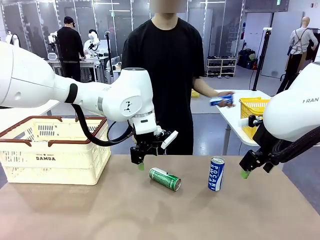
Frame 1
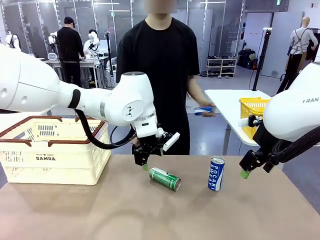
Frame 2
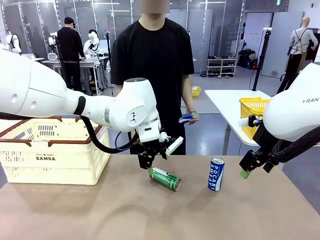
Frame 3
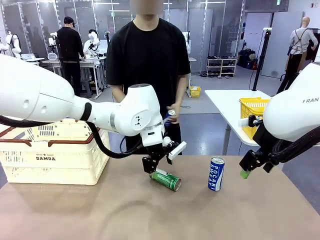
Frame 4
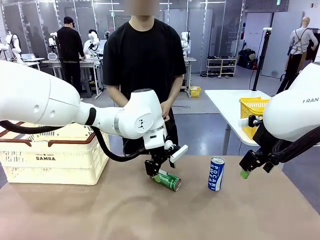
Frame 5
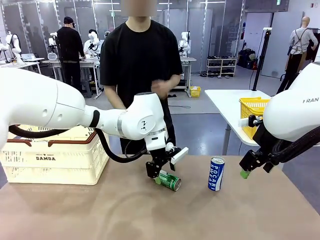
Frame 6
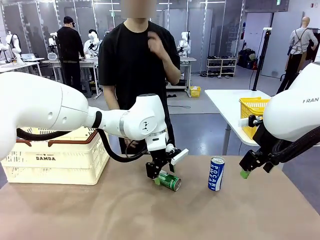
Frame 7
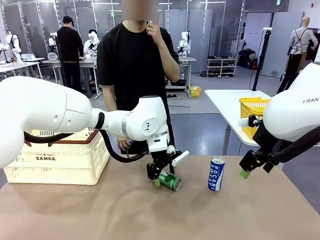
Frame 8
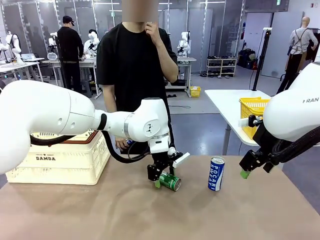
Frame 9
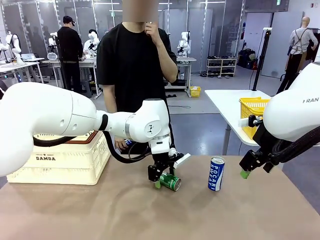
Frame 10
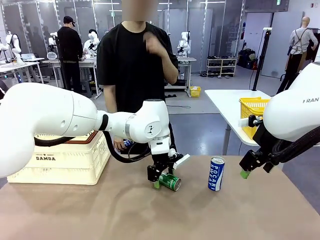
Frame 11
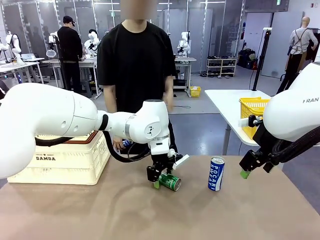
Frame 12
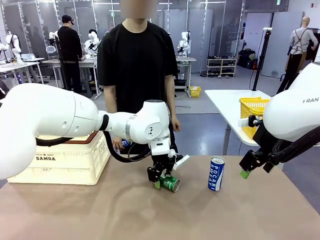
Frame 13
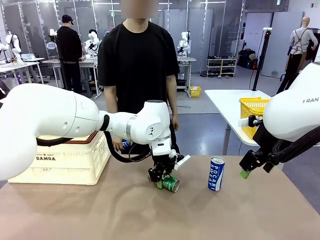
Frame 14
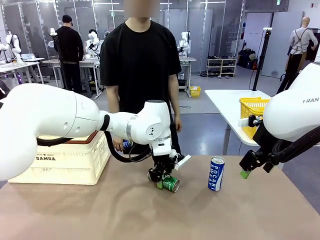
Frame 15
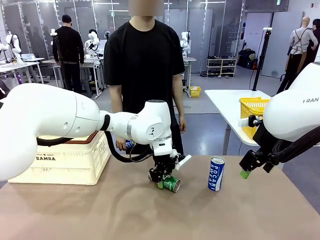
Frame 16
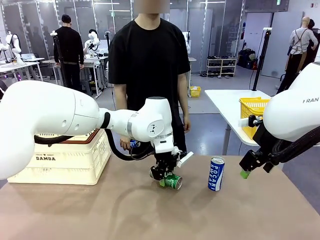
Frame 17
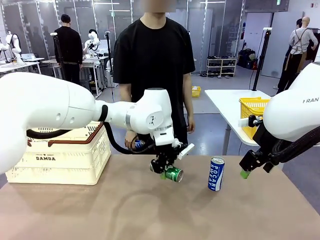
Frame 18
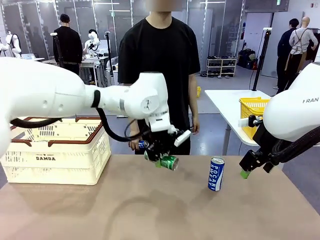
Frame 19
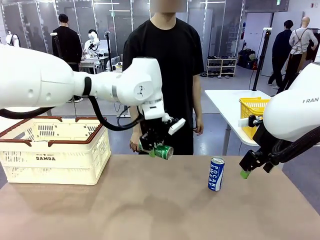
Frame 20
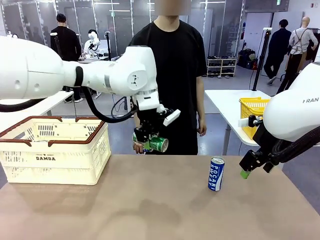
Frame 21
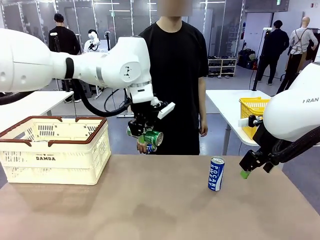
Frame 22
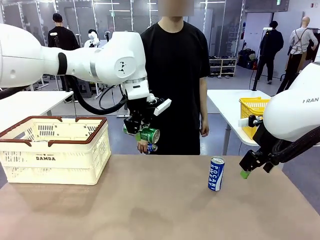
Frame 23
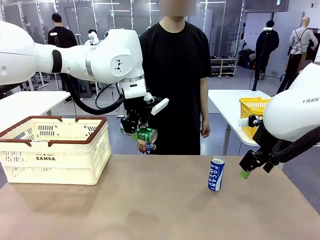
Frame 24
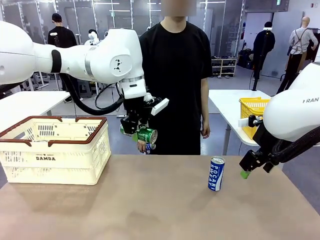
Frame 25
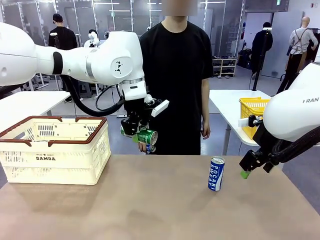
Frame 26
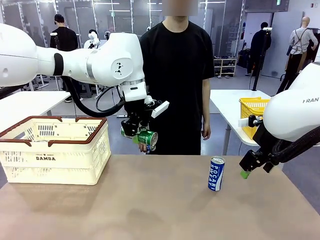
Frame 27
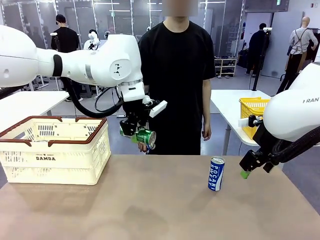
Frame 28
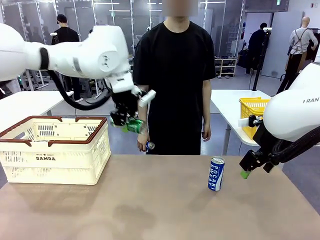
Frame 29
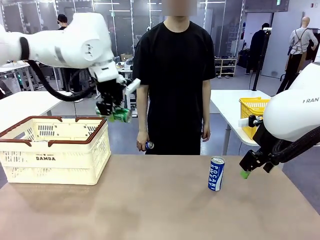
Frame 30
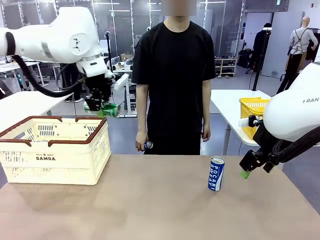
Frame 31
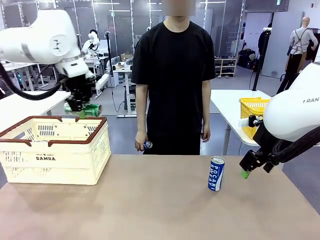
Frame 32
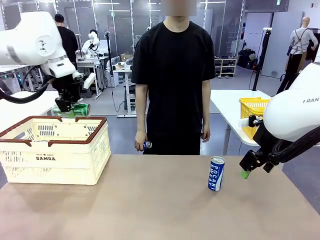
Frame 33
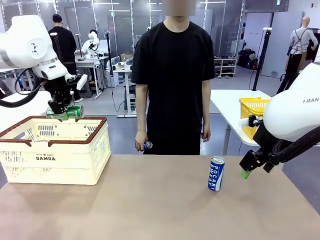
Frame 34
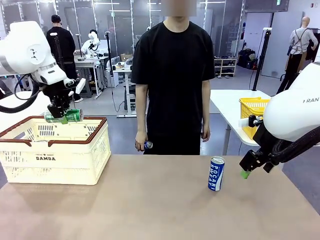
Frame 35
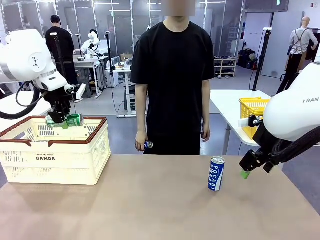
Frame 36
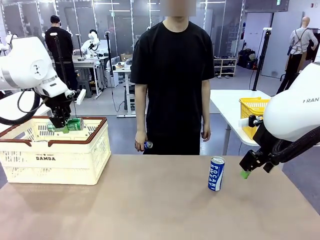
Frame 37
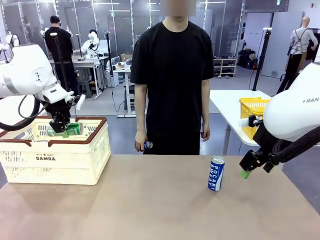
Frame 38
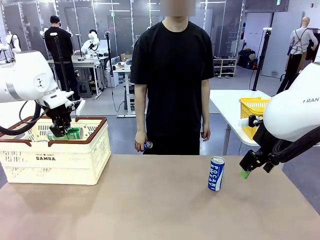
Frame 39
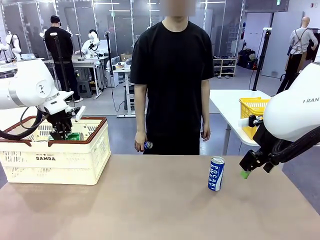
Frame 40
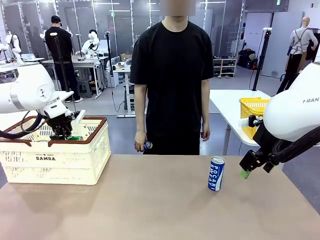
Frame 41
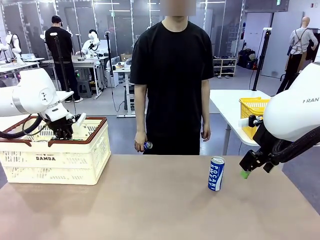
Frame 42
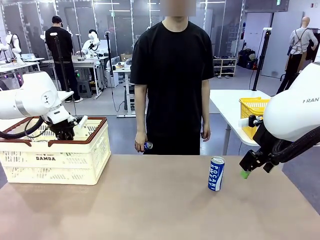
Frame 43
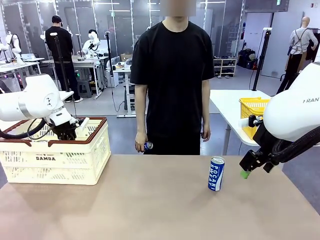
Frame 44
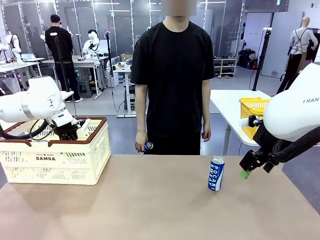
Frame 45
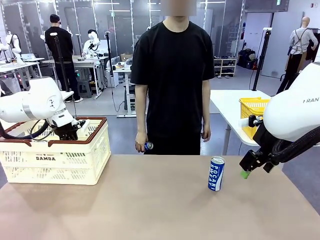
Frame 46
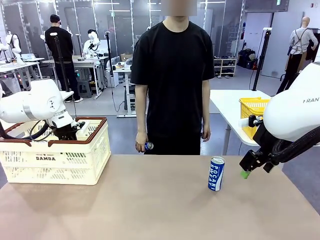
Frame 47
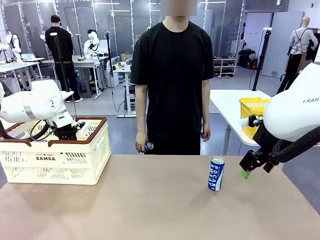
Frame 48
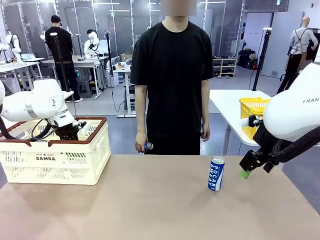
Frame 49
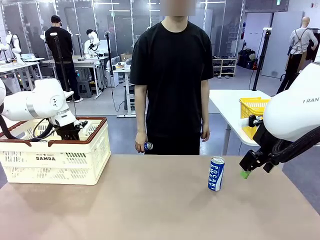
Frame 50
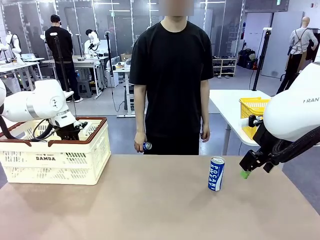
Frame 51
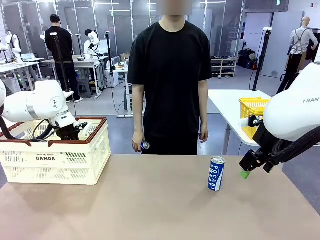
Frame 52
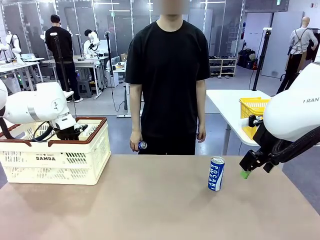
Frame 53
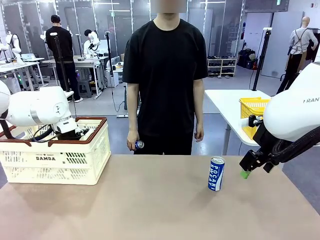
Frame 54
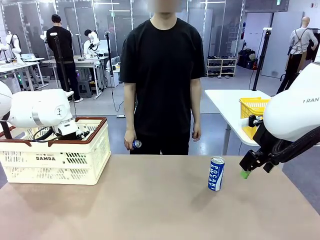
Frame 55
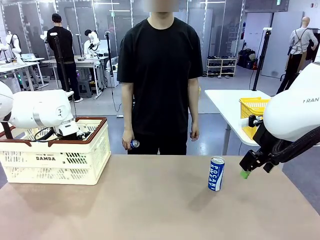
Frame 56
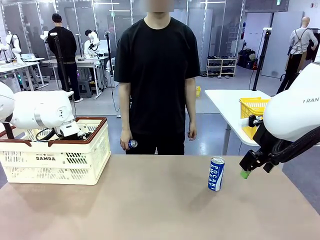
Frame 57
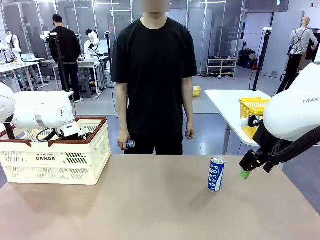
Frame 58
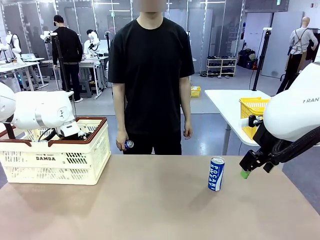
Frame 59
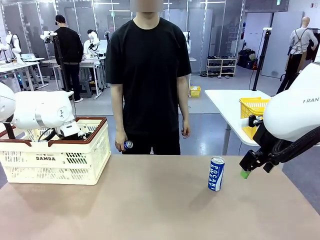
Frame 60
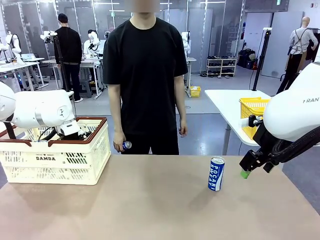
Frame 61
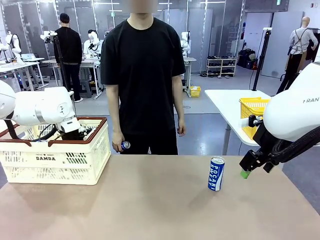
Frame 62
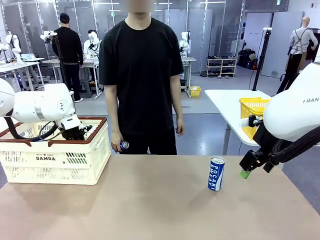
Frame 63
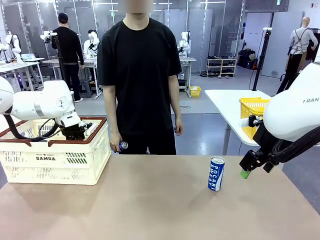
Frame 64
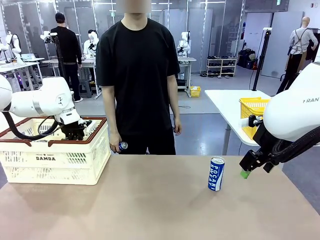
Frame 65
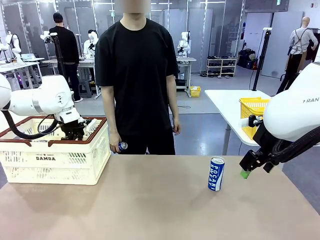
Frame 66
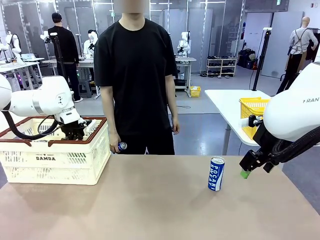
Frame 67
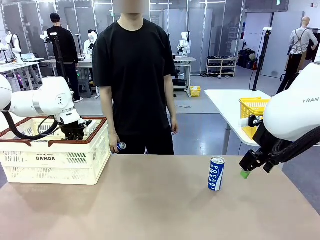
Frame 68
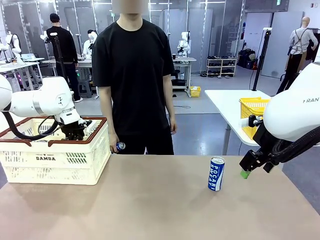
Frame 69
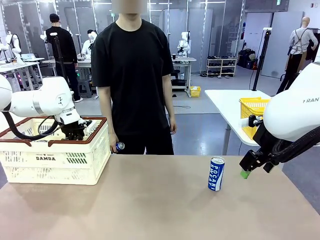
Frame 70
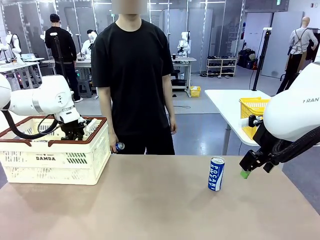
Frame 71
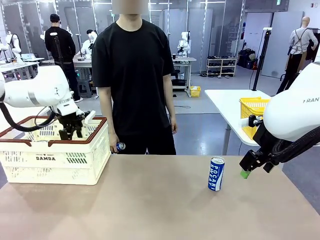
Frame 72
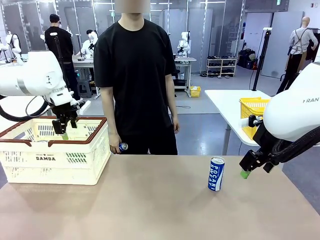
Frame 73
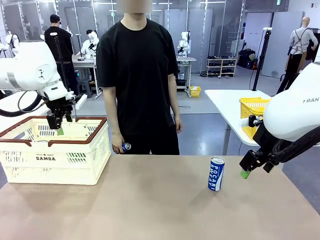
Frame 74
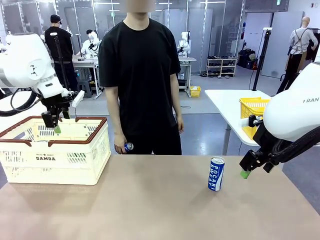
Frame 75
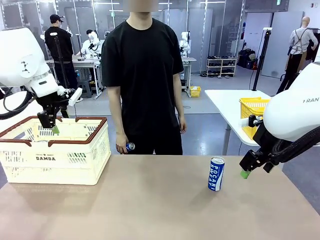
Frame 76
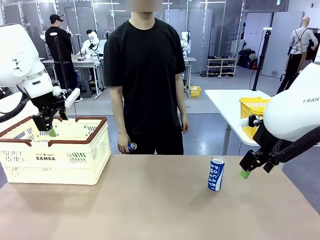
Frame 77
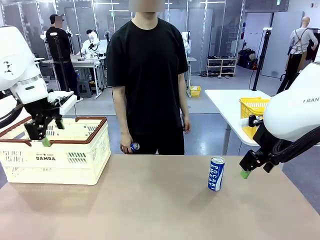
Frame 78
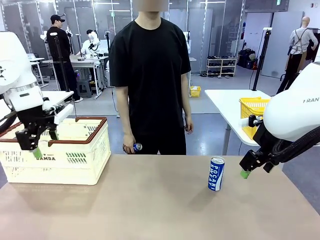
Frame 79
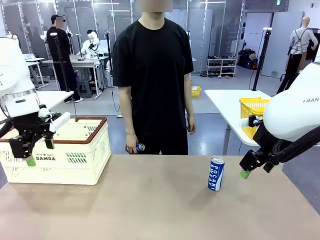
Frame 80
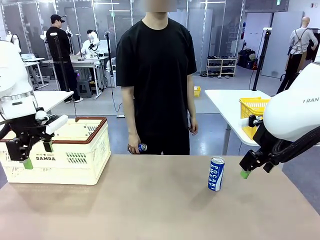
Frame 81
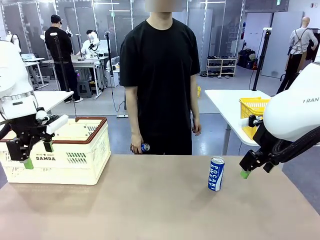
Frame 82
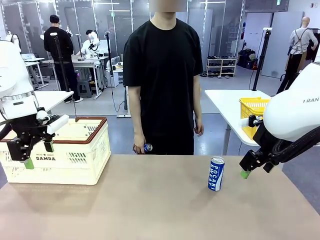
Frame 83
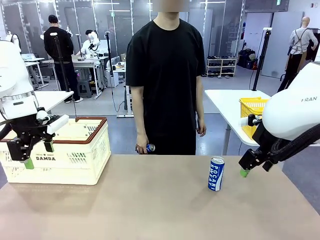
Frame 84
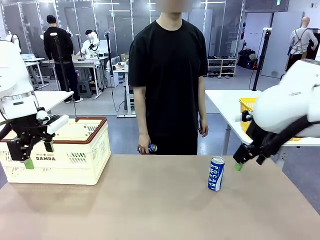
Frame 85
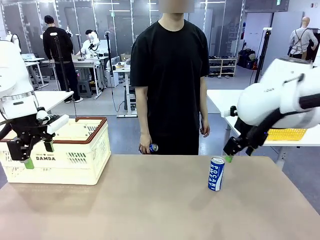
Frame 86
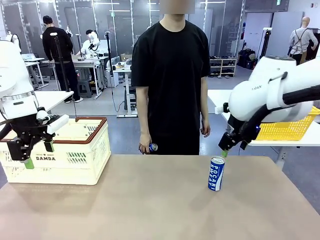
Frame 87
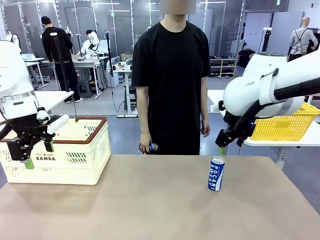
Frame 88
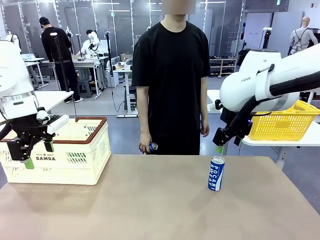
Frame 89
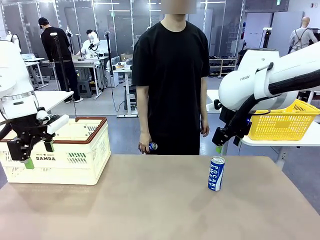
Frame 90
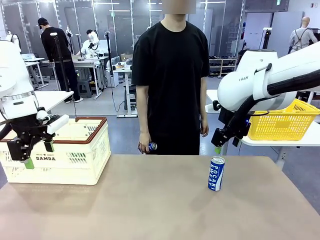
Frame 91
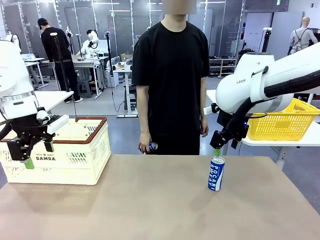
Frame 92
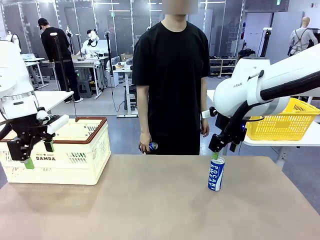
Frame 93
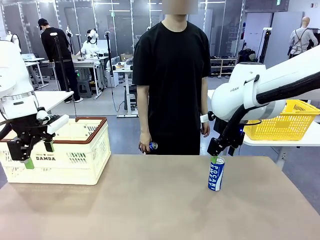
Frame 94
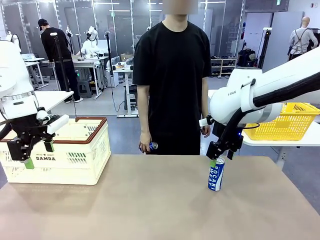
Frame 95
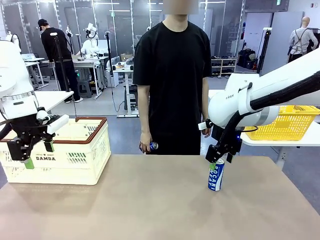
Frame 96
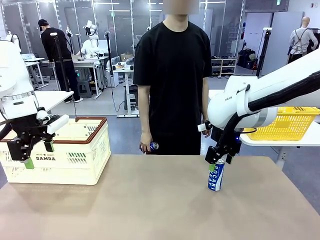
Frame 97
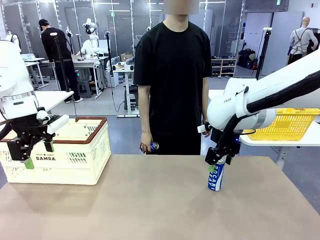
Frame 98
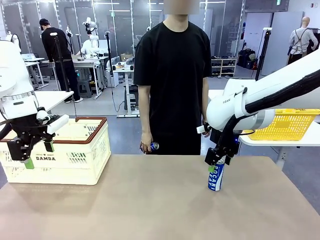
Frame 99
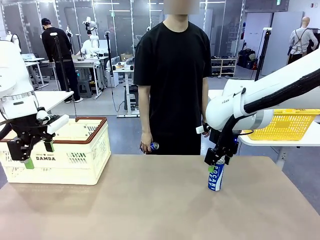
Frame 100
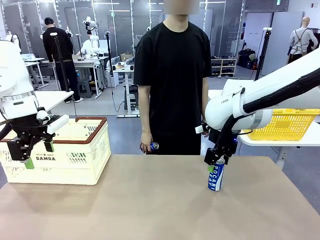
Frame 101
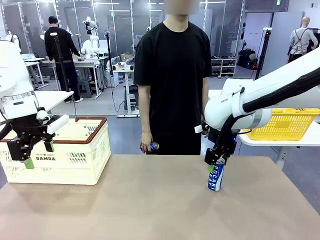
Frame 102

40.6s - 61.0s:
Task: Place the drinks into the Shopping basket.
Robot: Pick up one drink and place it into the Shopping basket.
